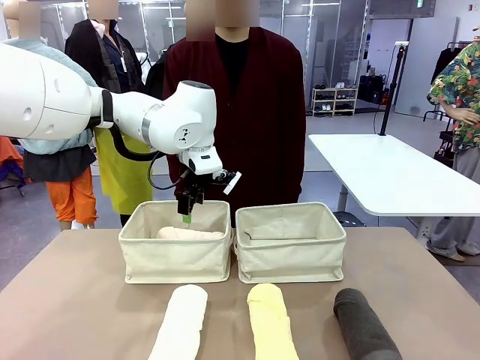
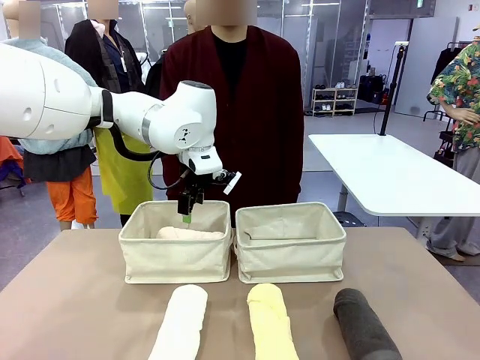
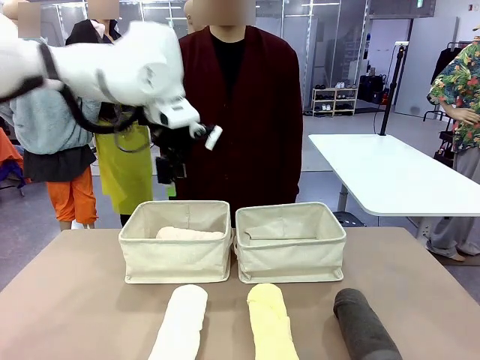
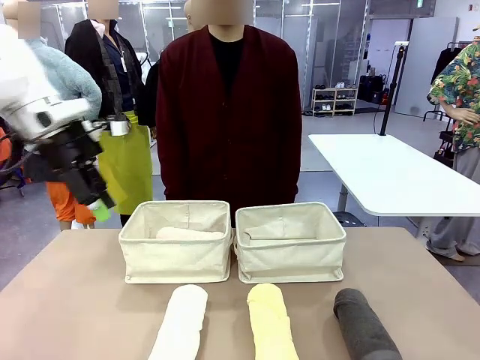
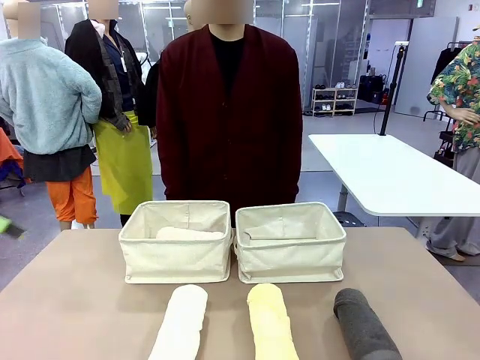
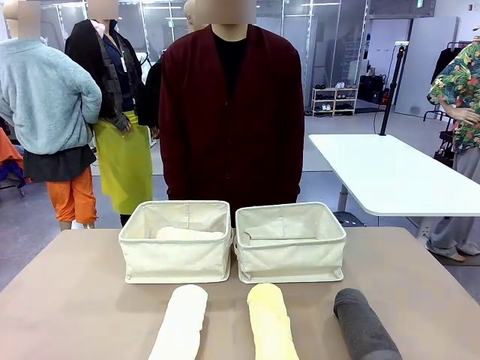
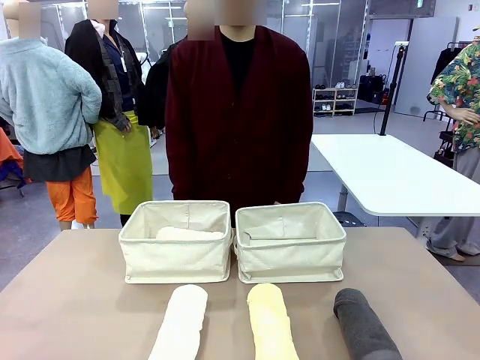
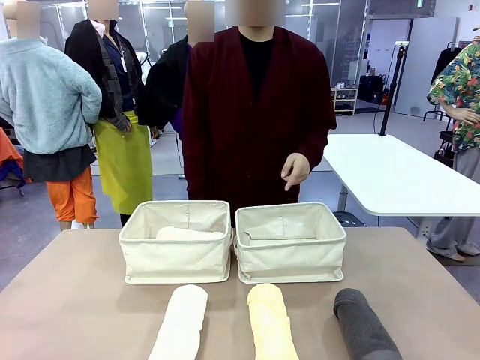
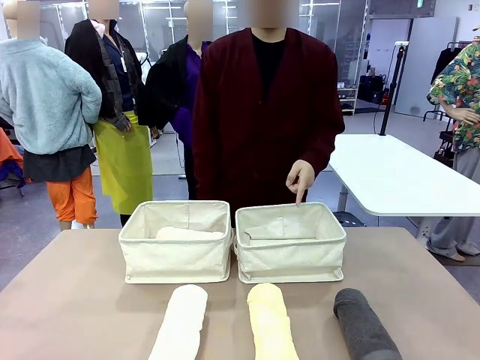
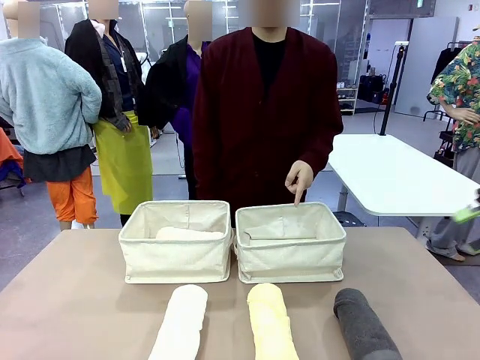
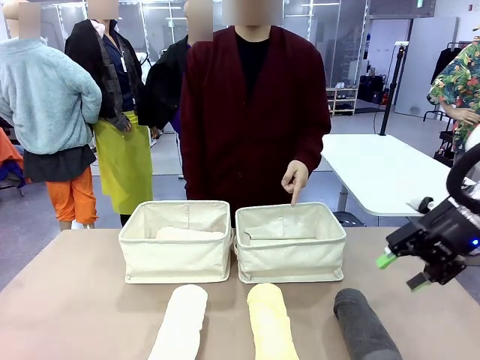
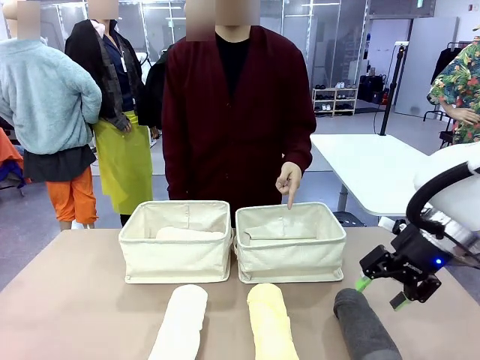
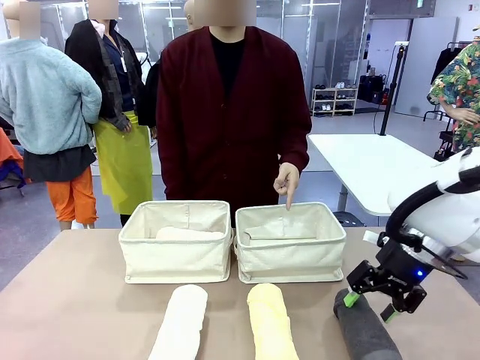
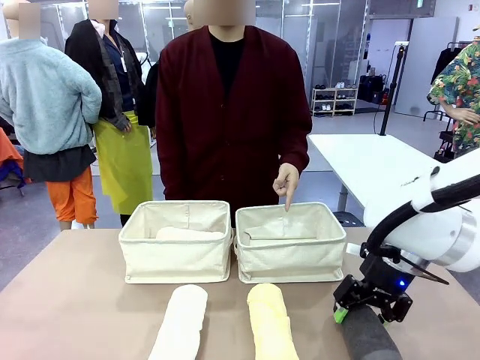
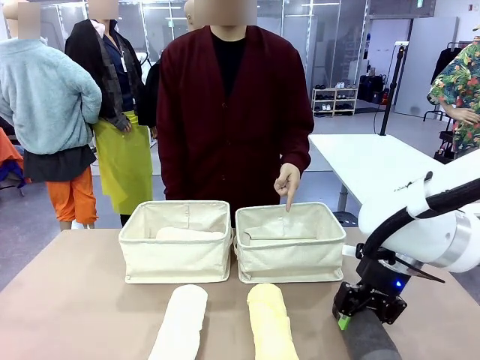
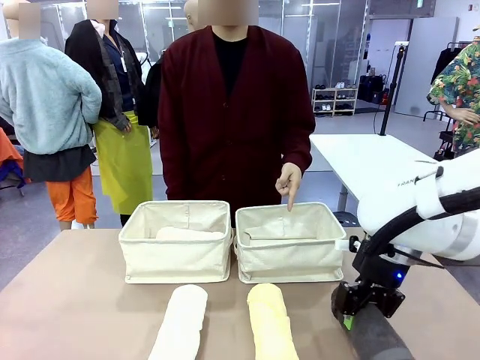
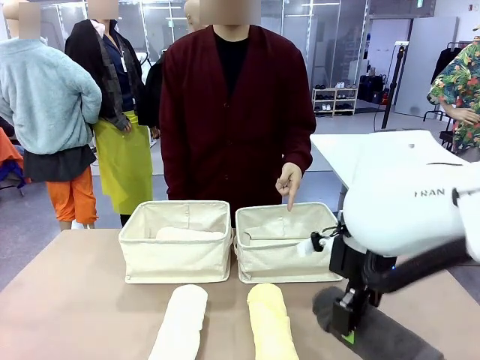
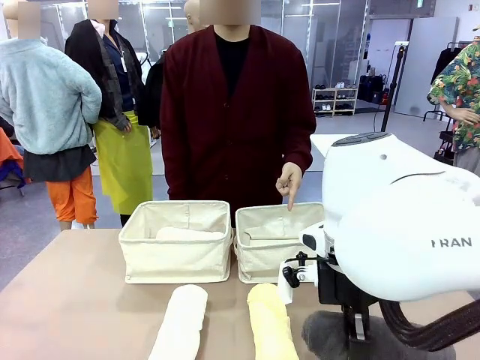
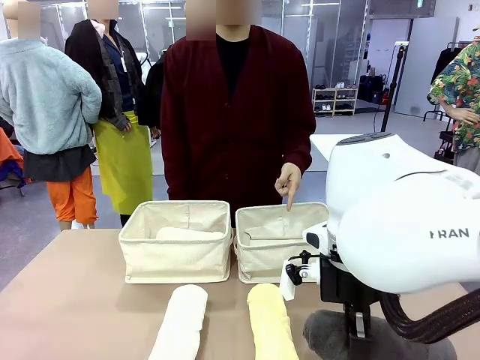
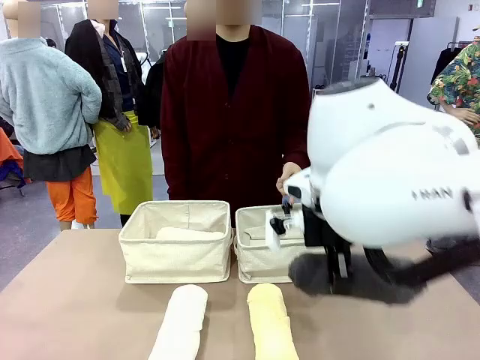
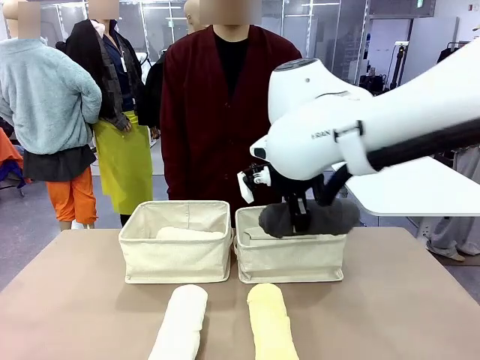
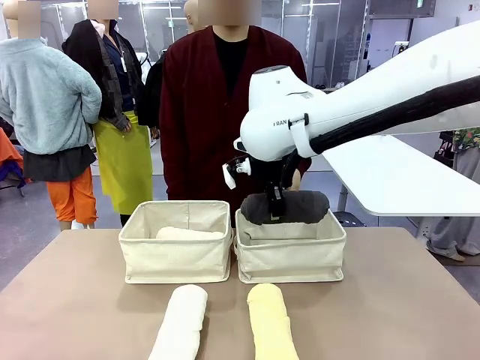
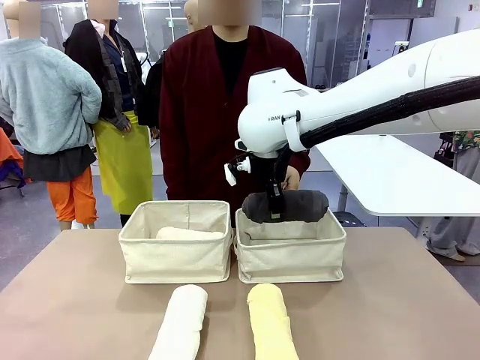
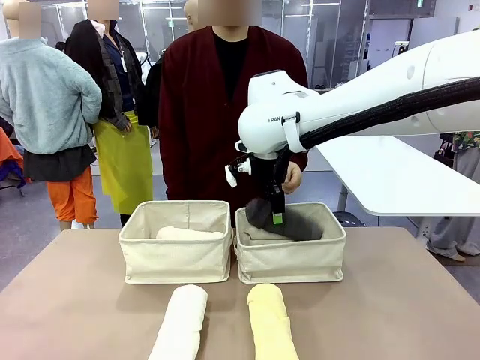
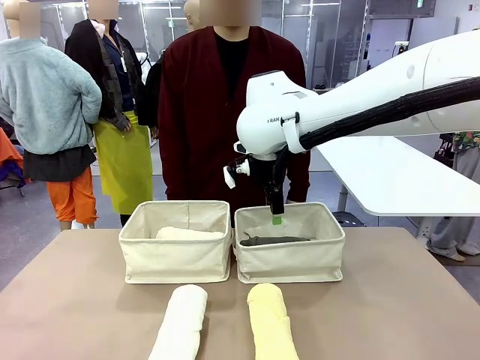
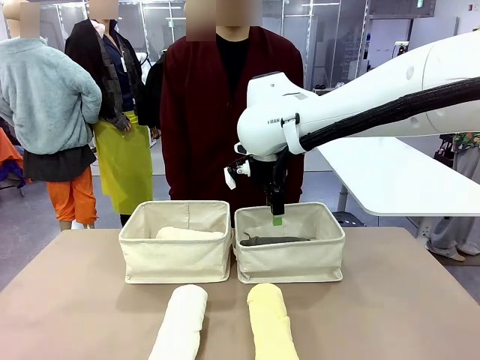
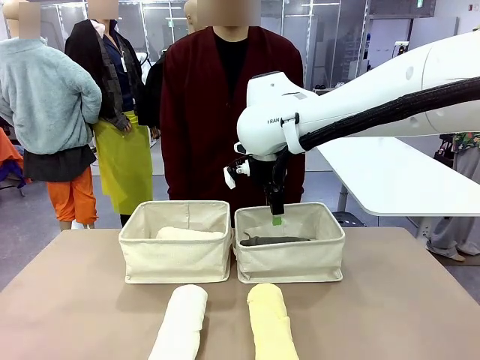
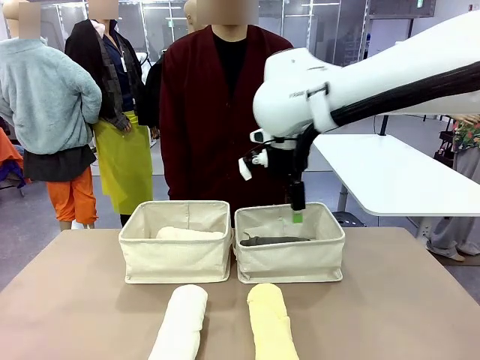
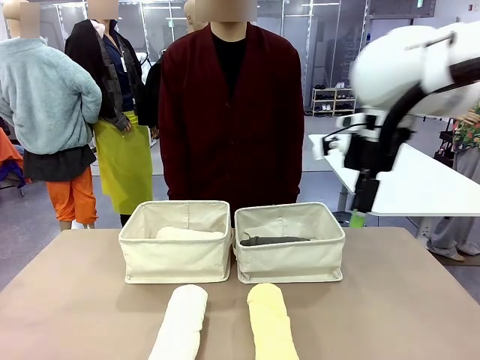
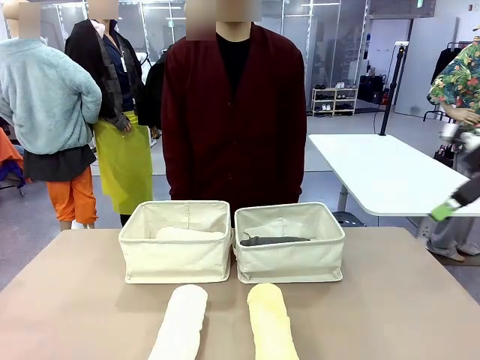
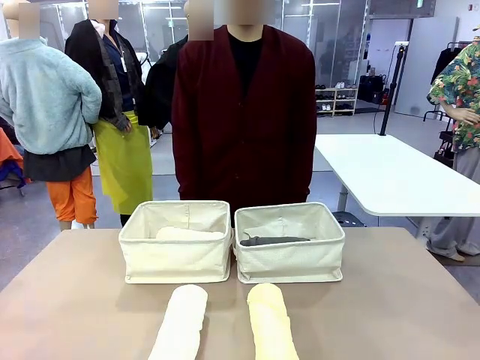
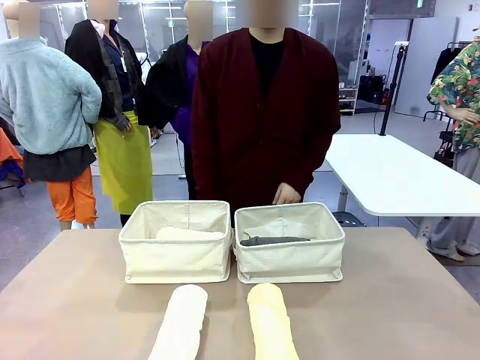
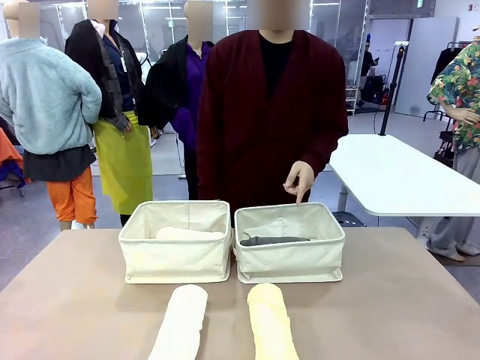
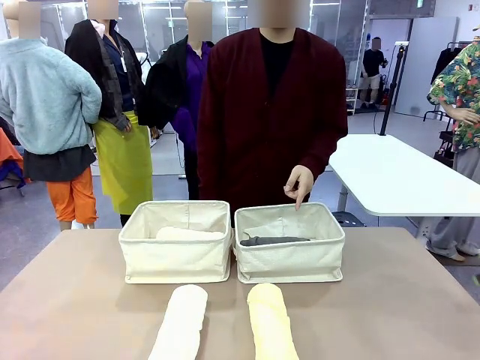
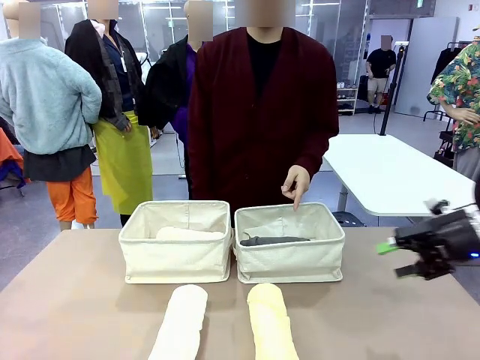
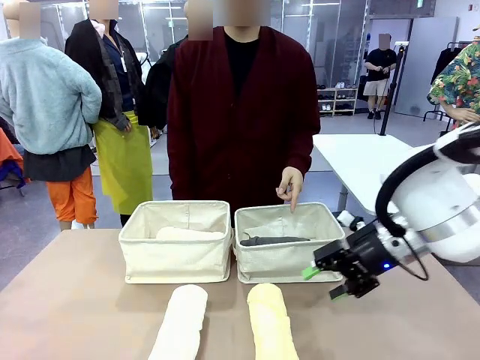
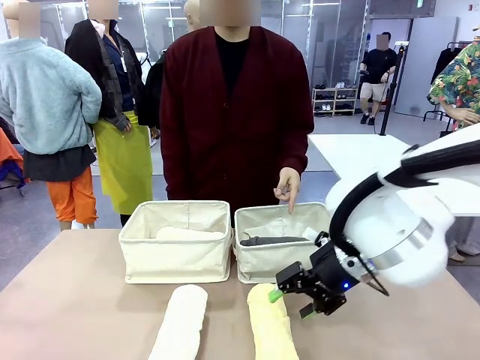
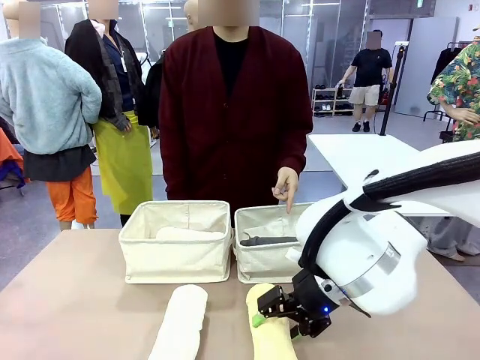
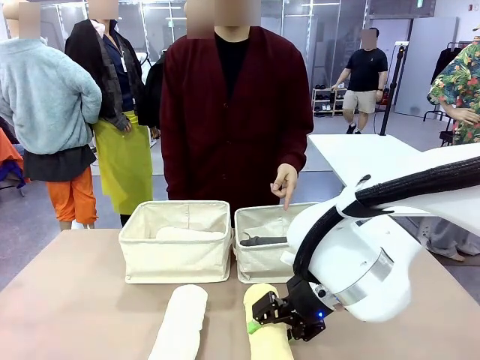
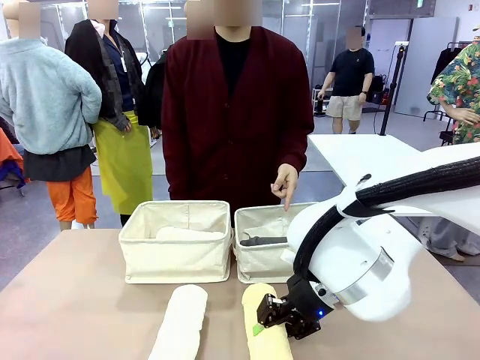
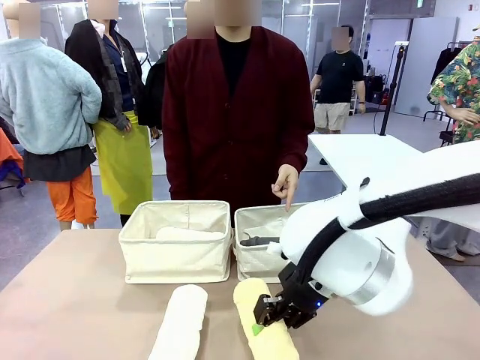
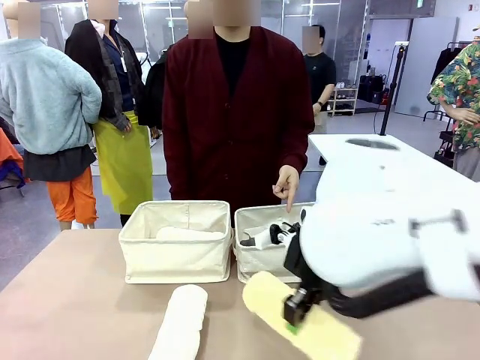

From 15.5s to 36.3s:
Task: Divide the towels into two baskets.
Robot: Pick up one hotel-folded towel from the bottom of the table and place it in the Fabric basket indicated by the person.

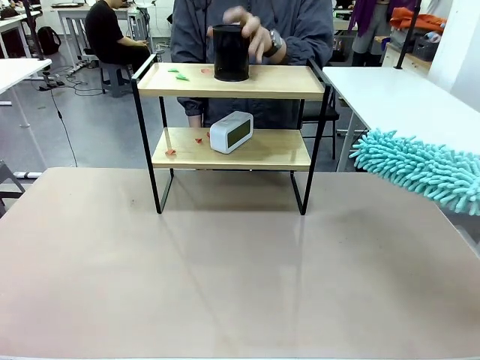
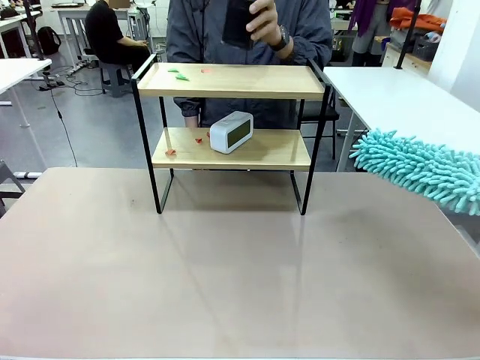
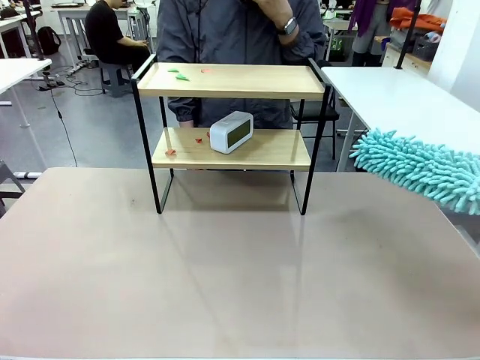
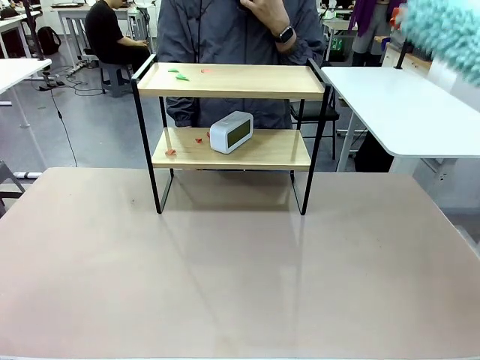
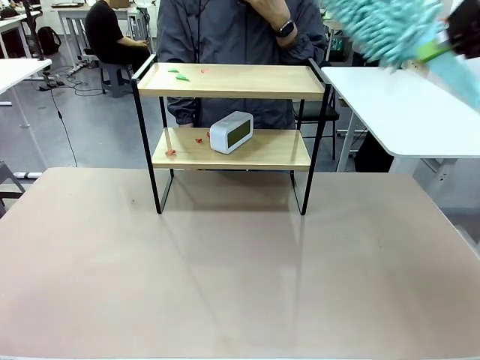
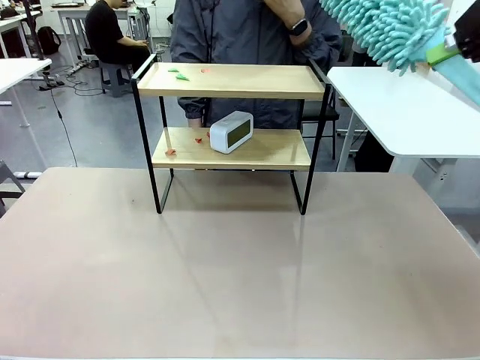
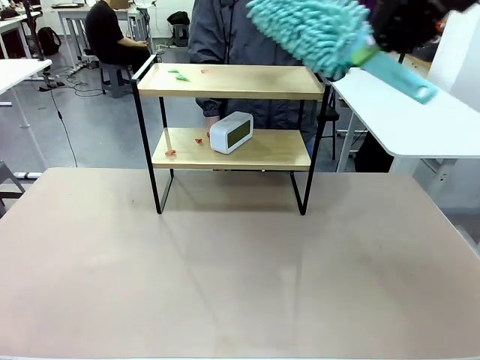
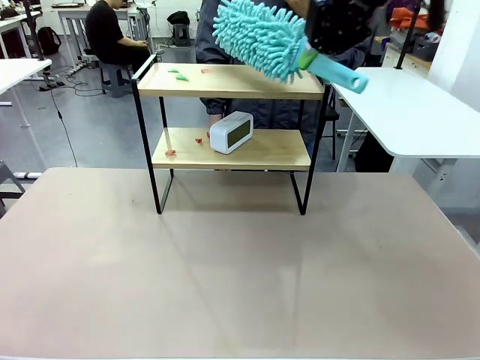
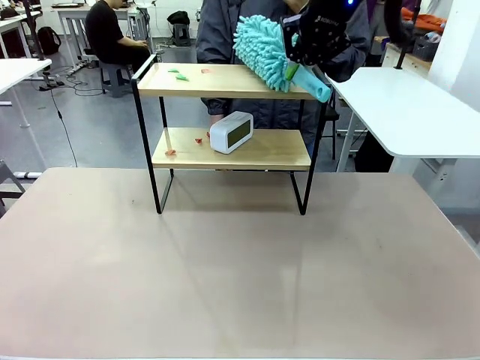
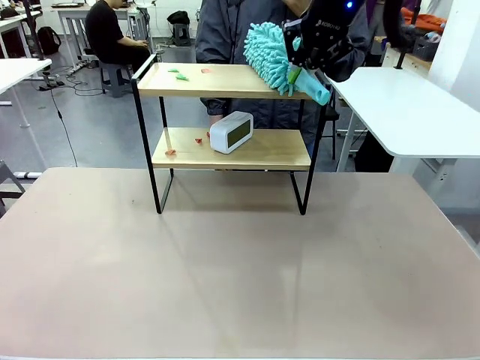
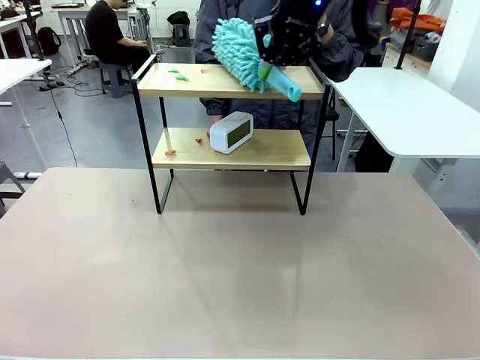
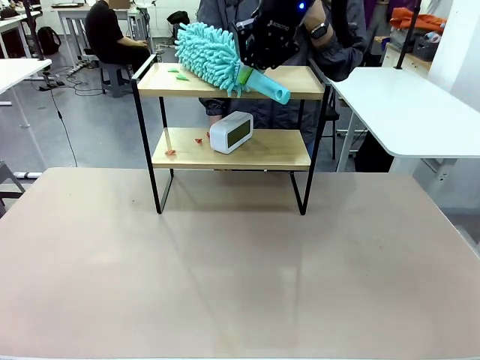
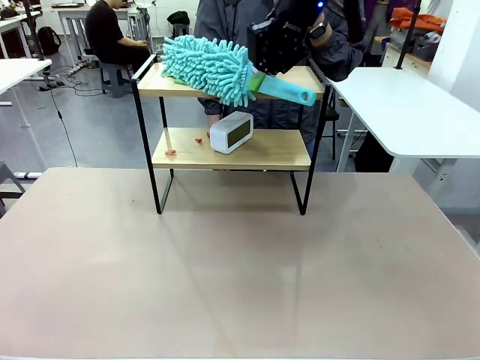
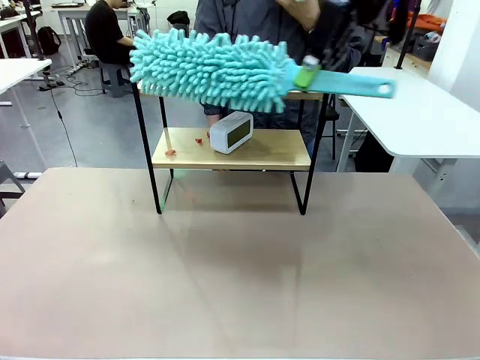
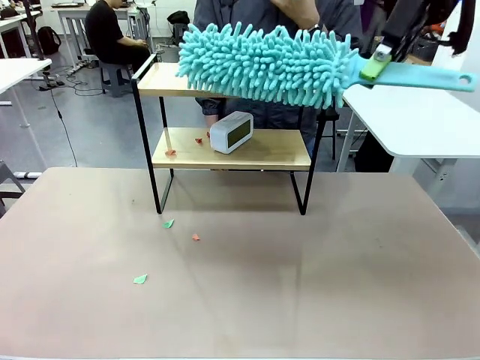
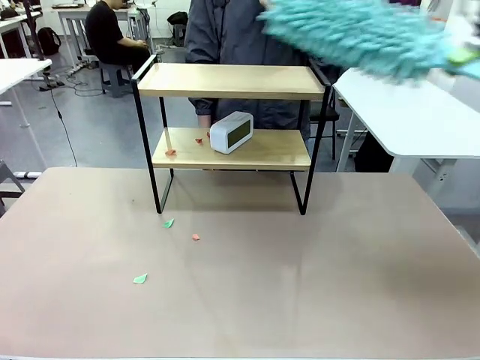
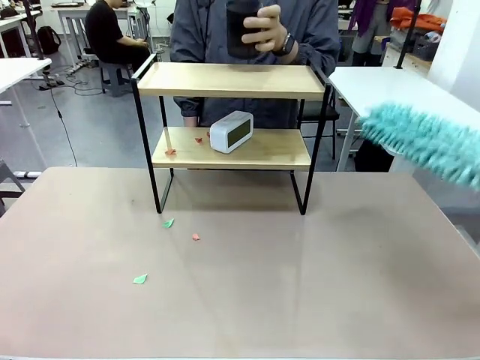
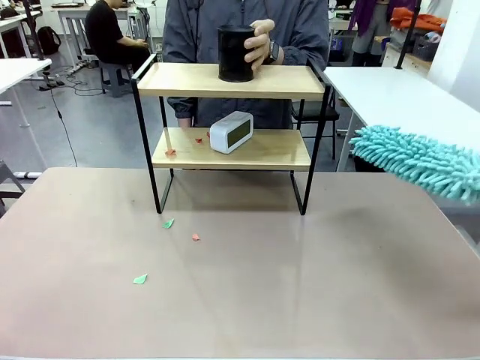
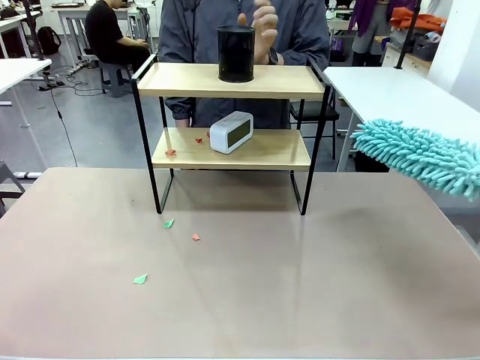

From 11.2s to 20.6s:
Task: Clean the shelf.
Robot: Clean the specific tier of the Shelf with the Duster once objects are removed.
Person: Lift the objects on a randomly selected tier of the Shelf. Once the robot finishes cleaning, lift the objects on the remaining tiers of the Shelf.
